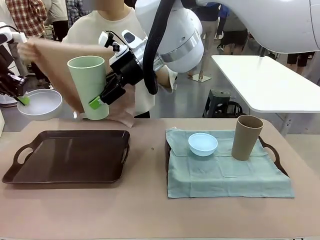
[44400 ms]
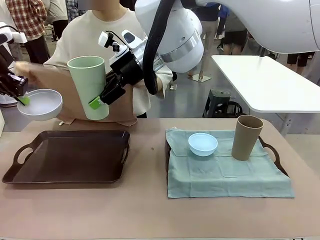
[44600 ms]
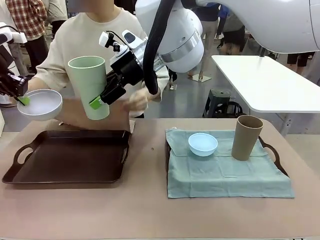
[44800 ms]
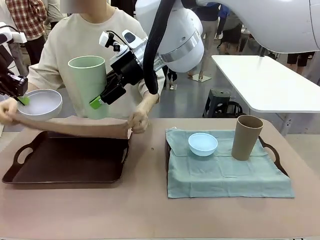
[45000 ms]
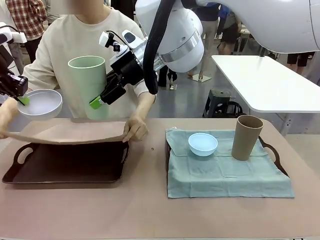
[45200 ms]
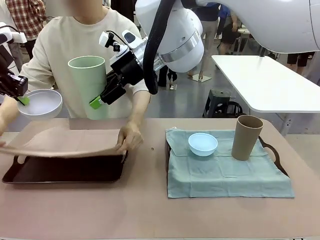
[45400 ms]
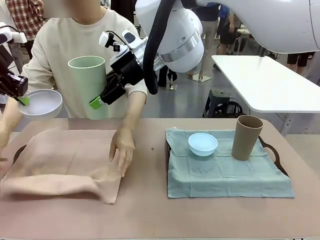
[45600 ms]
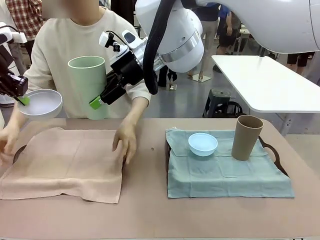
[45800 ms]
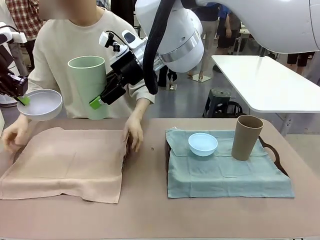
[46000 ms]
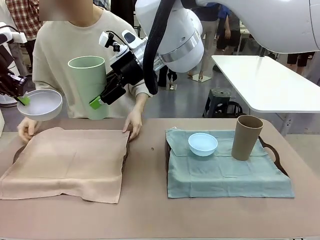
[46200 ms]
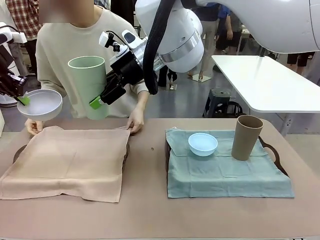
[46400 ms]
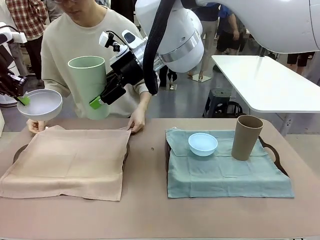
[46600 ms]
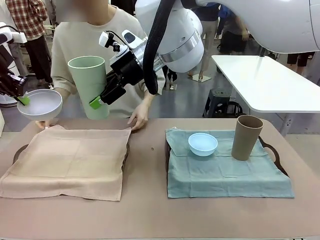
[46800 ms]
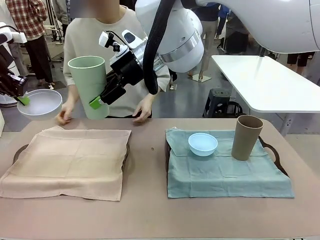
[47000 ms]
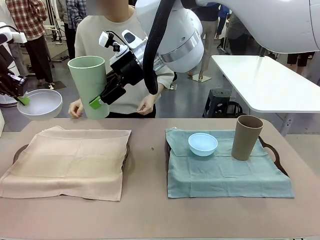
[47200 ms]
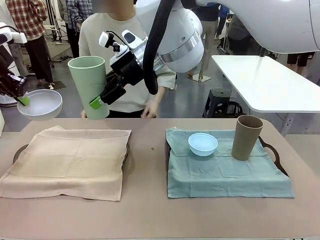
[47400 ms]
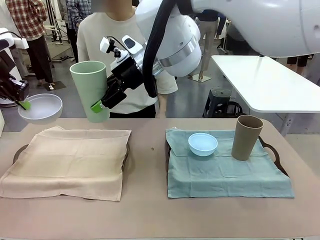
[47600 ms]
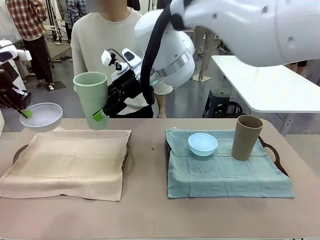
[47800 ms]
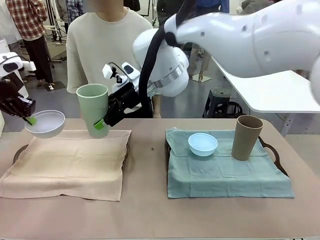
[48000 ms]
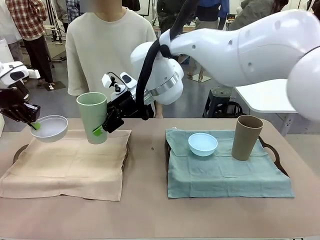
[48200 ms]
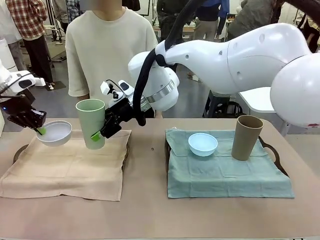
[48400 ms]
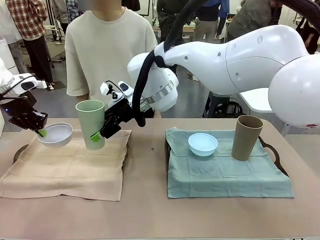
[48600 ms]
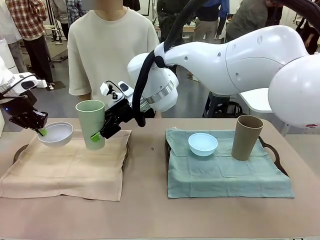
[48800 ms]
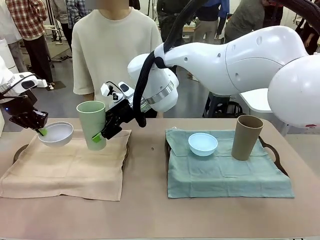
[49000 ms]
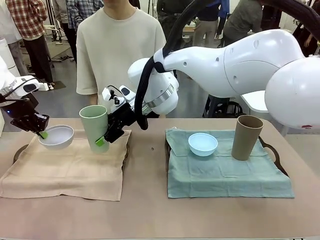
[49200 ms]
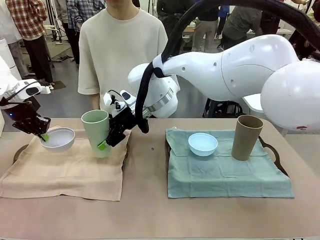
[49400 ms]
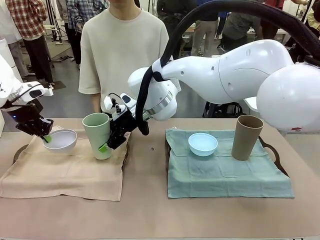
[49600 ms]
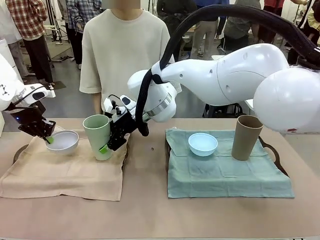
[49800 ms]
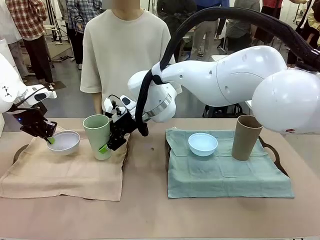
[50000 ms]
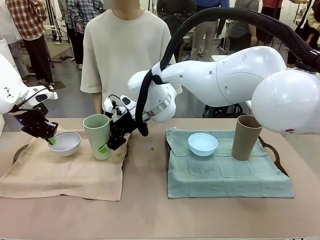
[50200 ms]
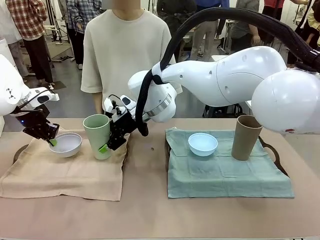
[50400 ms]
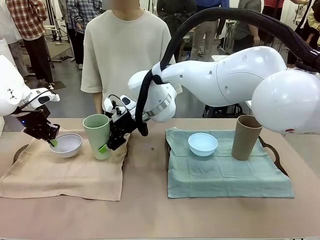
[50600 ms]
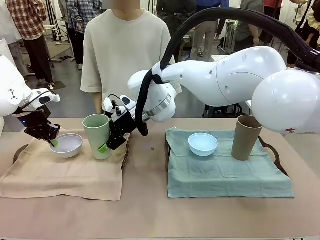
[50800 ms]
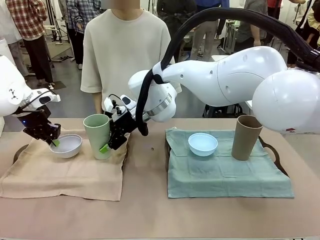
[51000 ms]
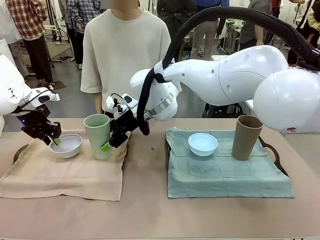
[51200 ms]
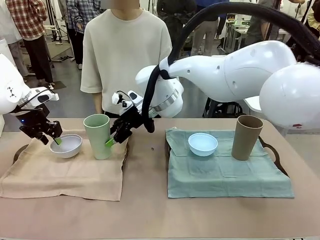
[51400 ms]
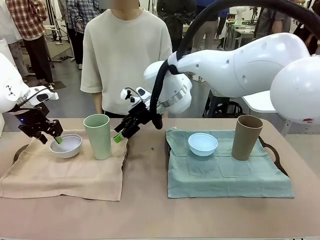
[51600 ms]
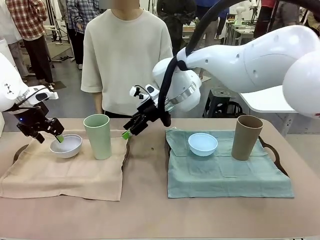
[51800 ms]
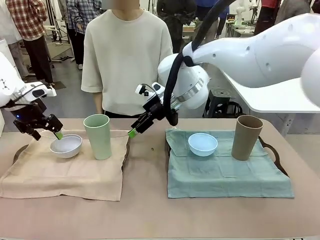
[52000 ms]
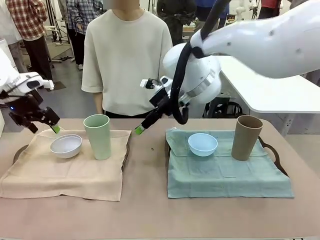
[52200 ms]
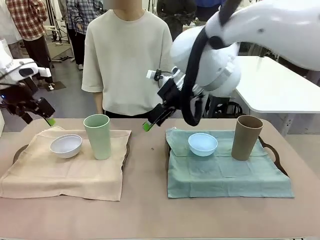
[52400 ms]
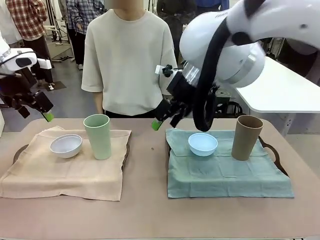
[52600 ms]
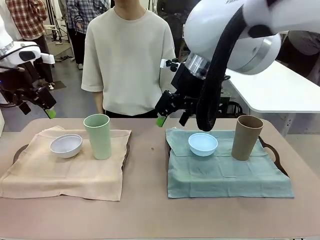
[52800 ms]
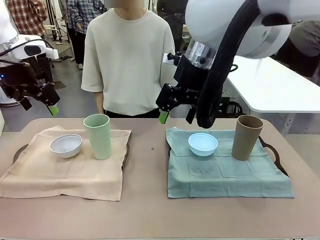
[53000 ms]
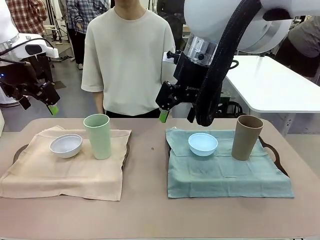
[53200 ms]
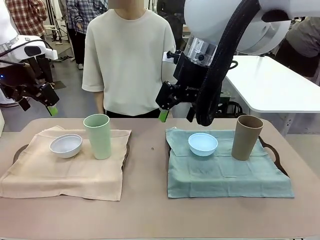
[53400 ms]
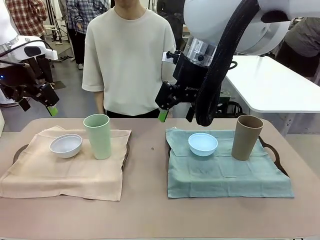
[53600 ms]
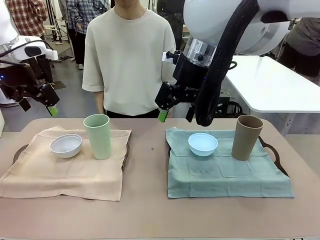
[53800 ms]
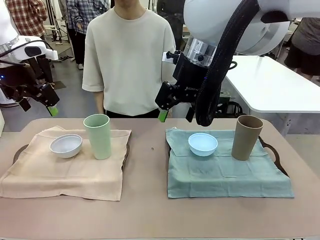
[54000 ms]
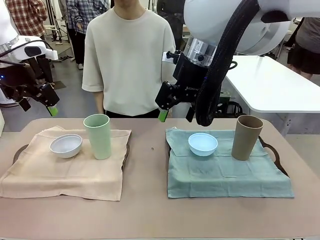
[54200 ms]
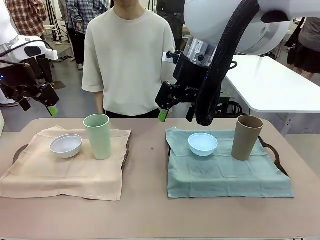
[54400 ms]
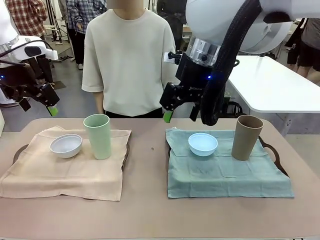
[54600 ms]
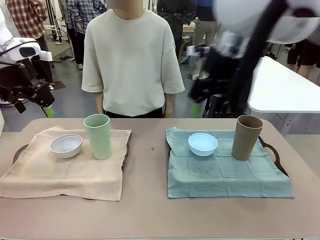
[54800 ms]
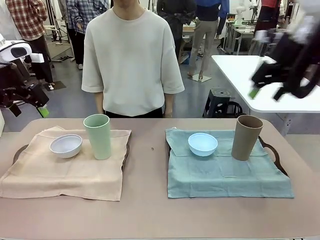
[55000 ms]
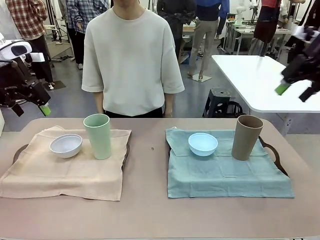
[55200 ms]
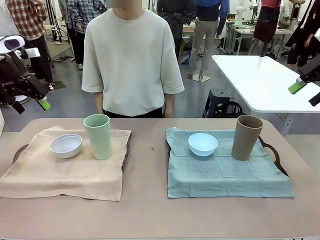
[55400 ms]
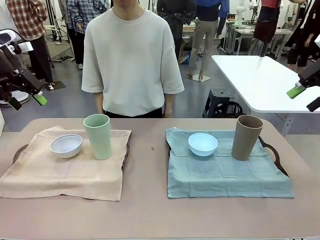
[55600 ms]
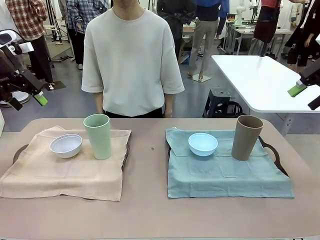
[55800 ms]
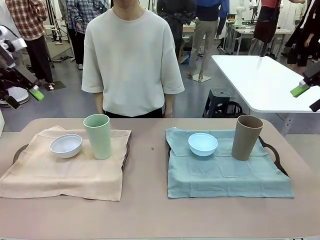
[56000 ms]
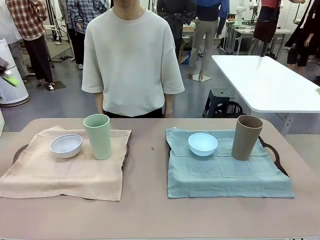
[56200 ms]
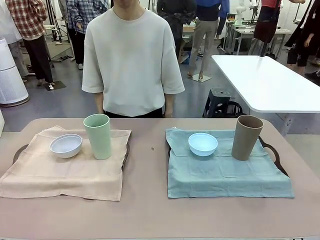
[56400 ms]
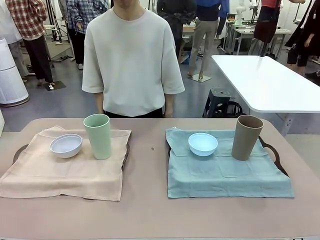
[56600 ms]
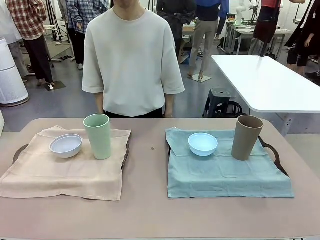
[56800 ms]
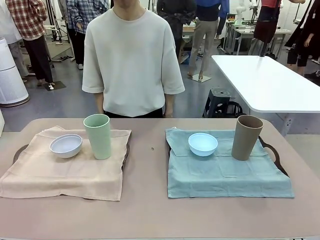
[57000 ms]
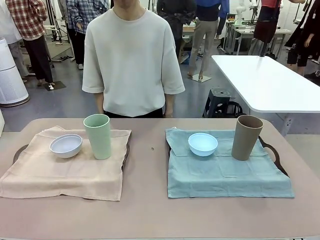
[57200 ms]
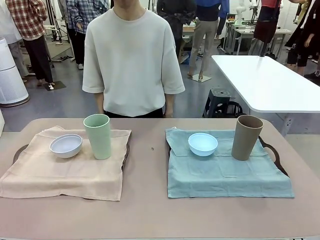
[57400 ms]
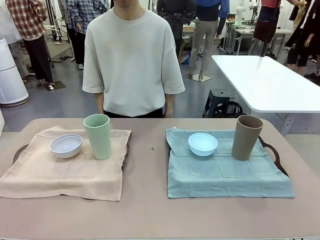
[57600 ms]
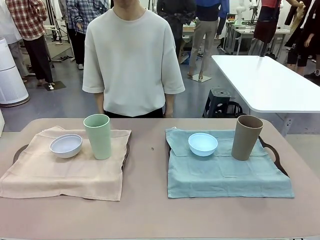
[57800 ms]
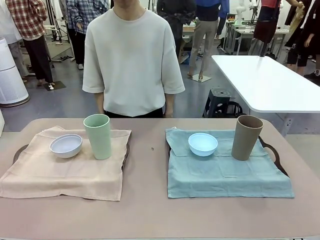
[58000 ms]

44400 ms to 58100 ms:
Robot: Place the Picnic Bowl and Reusable plastic cup back onto the Handle tray in front of the human's position.
